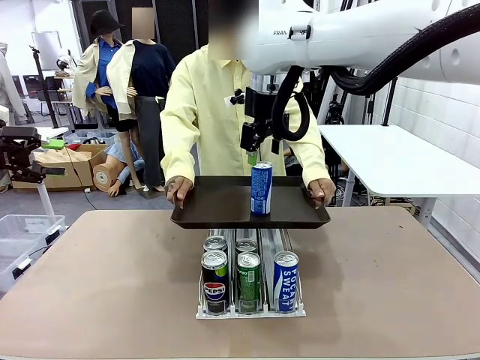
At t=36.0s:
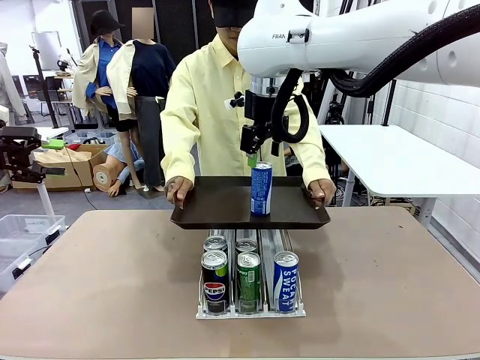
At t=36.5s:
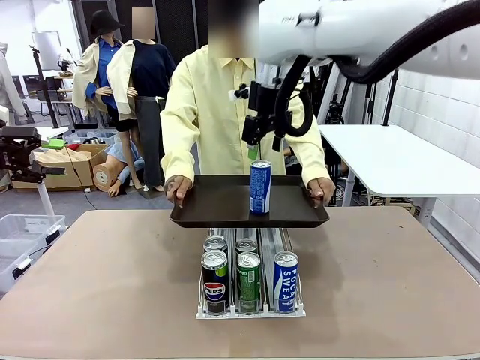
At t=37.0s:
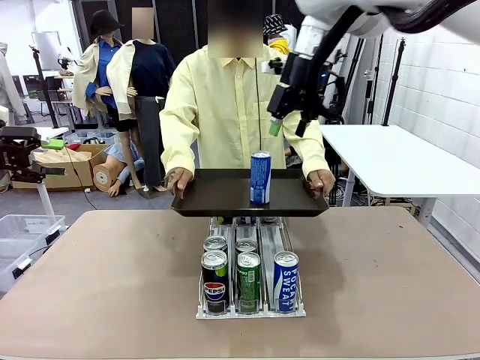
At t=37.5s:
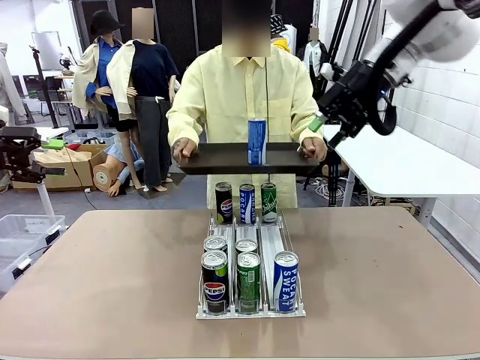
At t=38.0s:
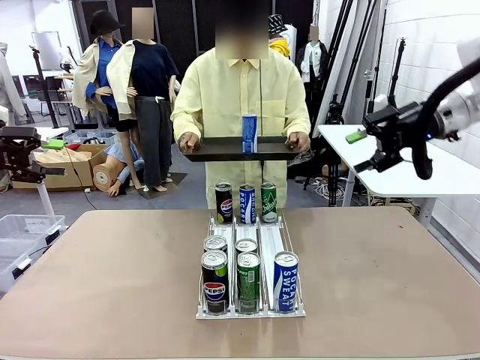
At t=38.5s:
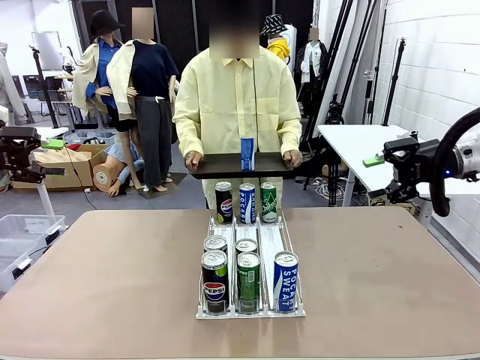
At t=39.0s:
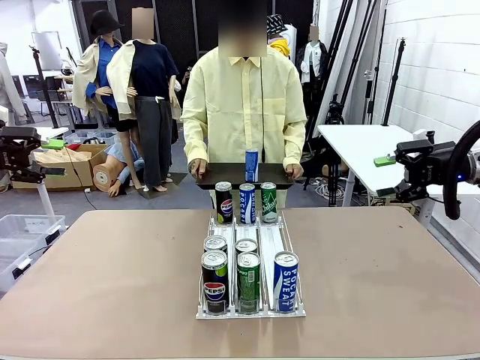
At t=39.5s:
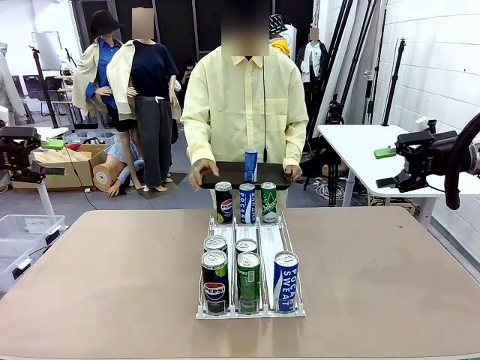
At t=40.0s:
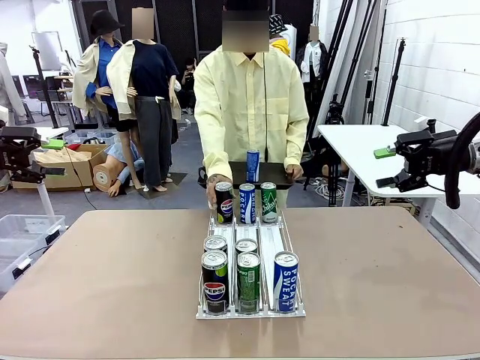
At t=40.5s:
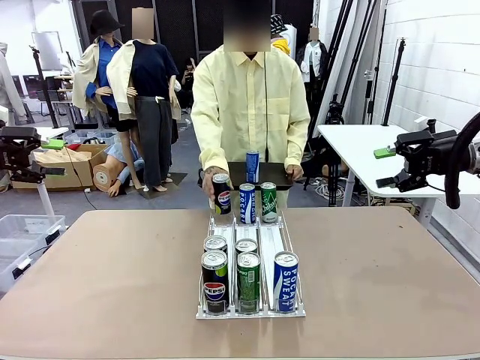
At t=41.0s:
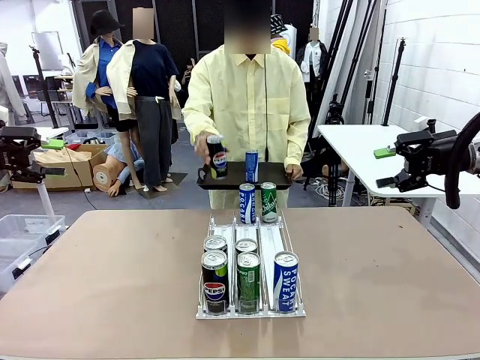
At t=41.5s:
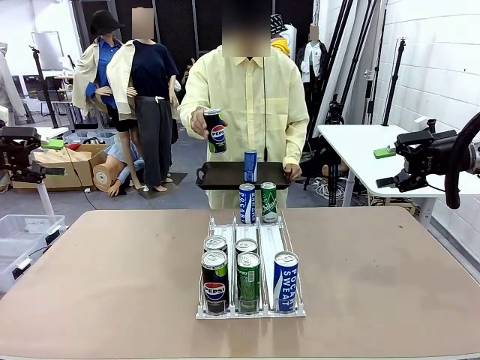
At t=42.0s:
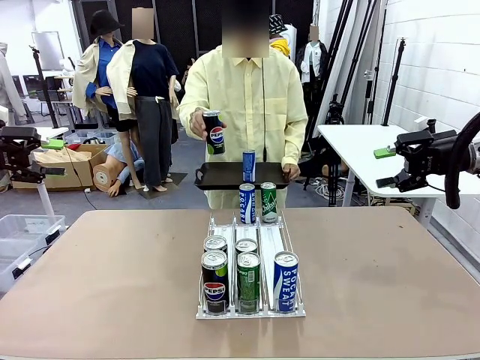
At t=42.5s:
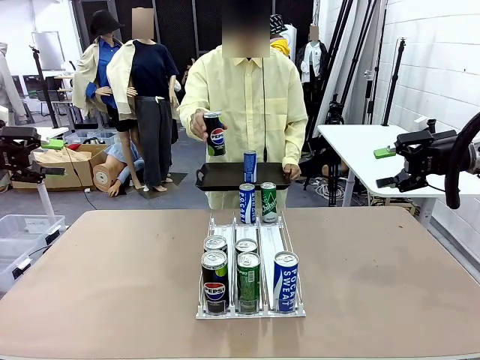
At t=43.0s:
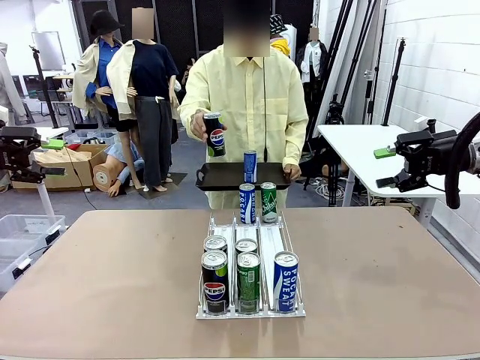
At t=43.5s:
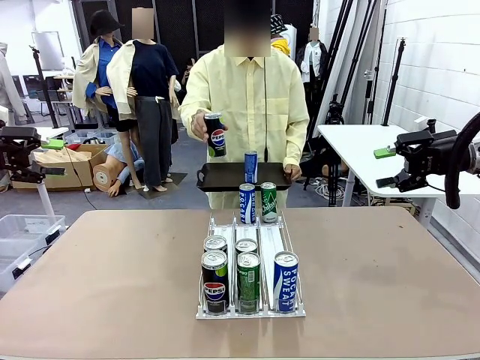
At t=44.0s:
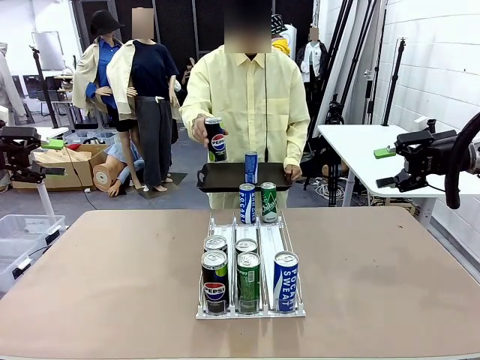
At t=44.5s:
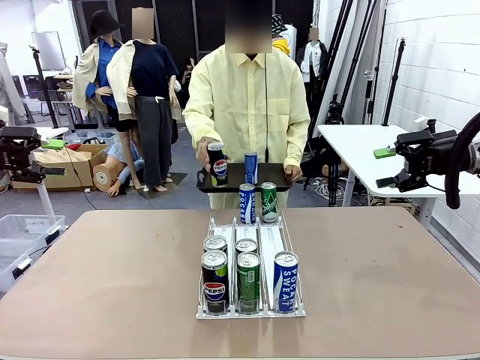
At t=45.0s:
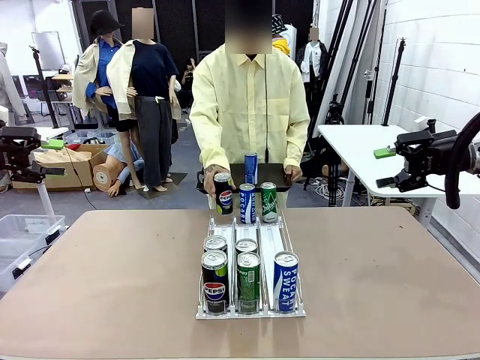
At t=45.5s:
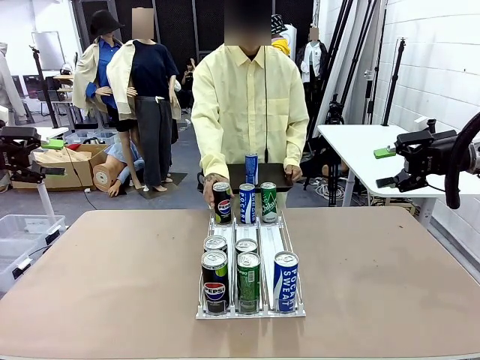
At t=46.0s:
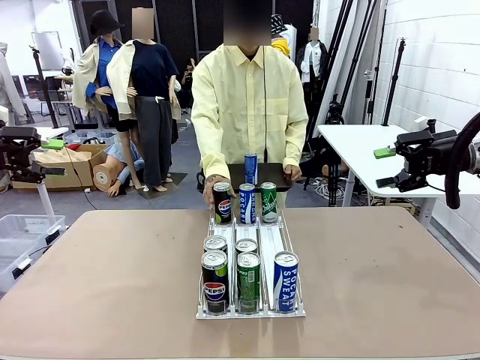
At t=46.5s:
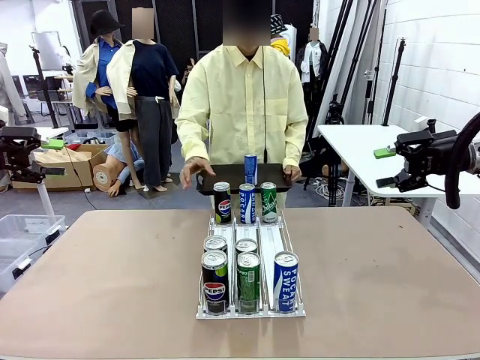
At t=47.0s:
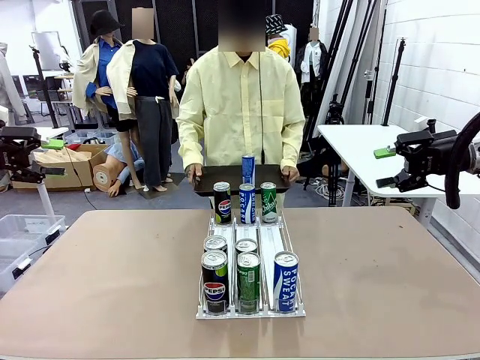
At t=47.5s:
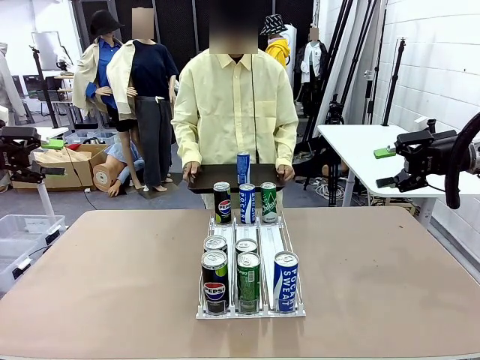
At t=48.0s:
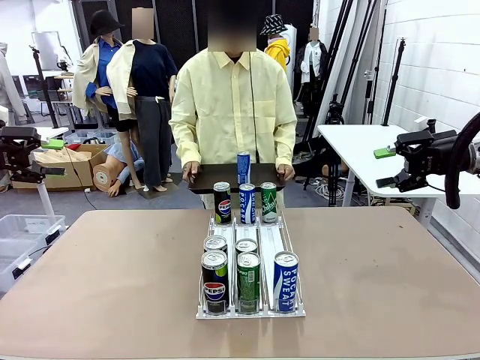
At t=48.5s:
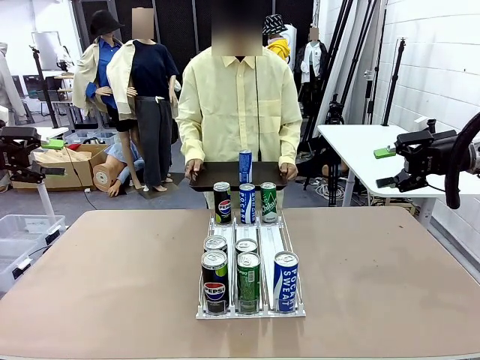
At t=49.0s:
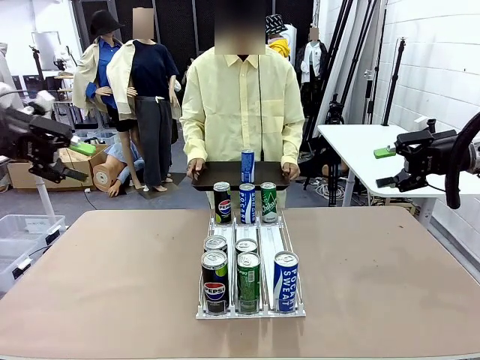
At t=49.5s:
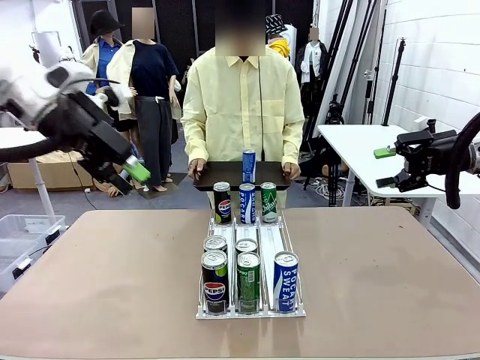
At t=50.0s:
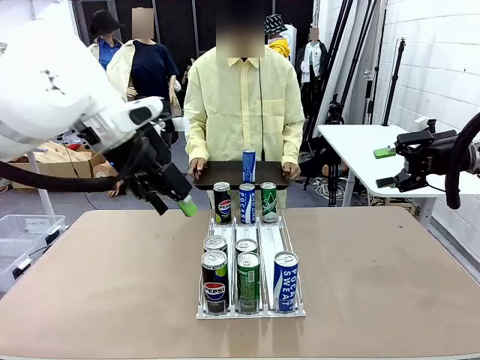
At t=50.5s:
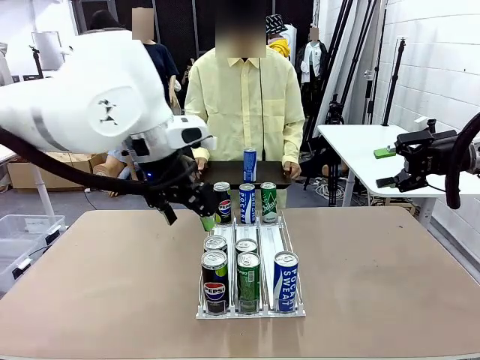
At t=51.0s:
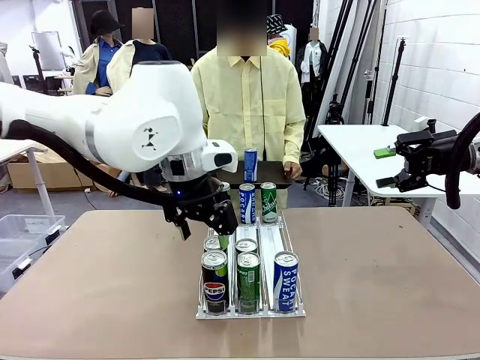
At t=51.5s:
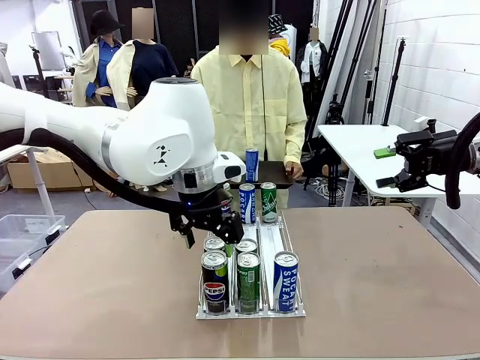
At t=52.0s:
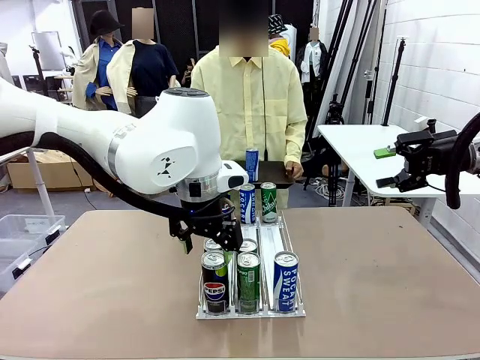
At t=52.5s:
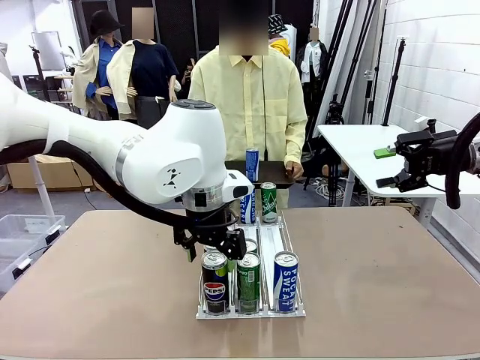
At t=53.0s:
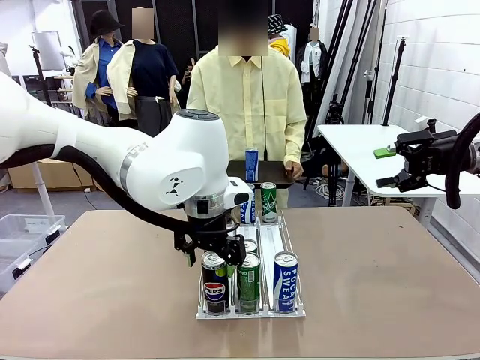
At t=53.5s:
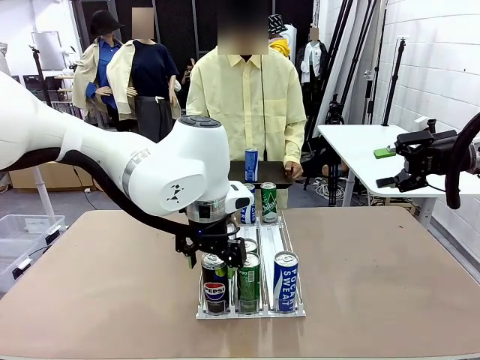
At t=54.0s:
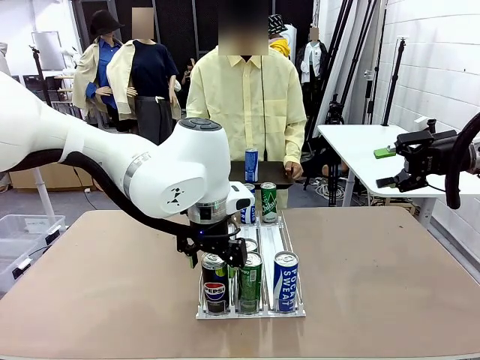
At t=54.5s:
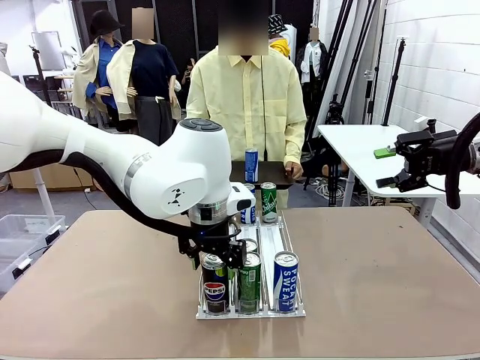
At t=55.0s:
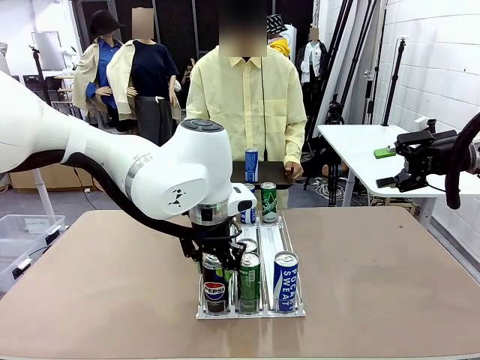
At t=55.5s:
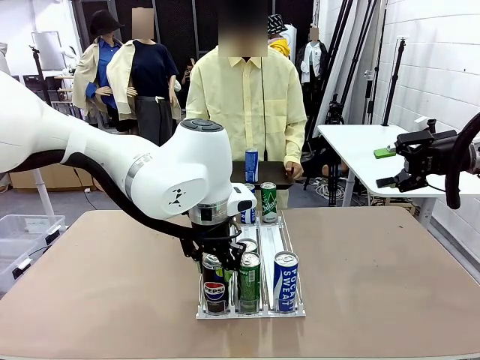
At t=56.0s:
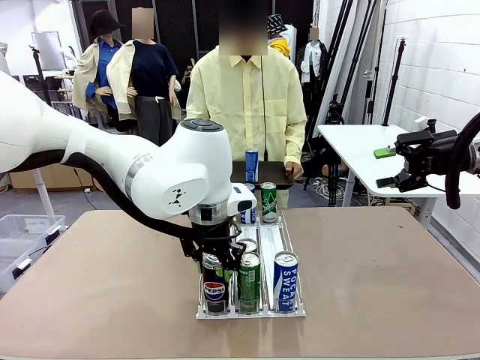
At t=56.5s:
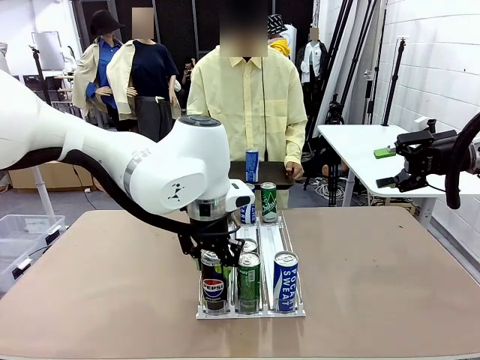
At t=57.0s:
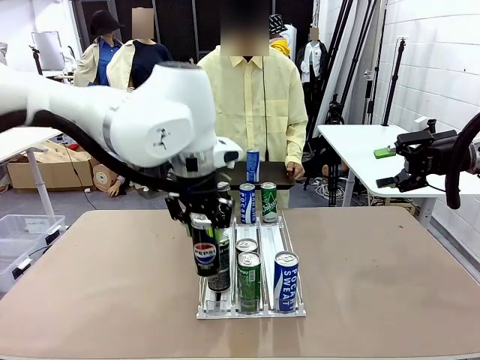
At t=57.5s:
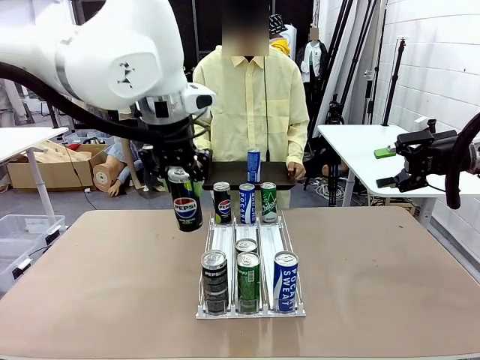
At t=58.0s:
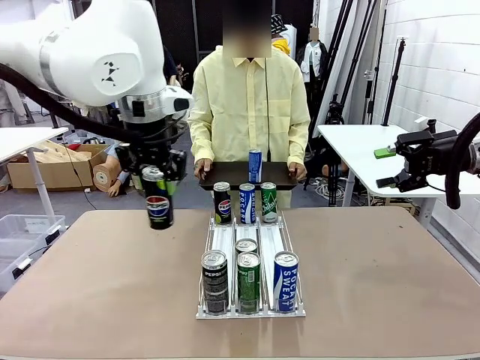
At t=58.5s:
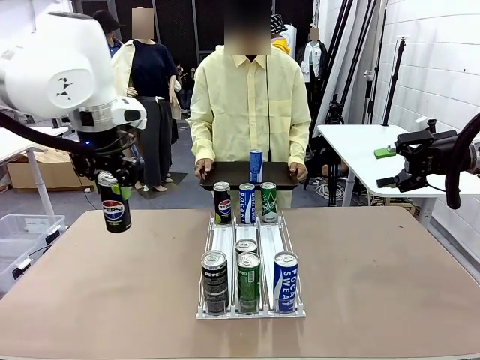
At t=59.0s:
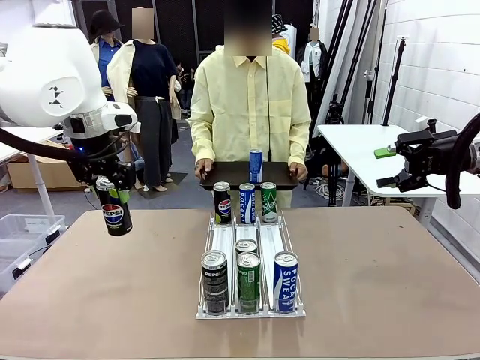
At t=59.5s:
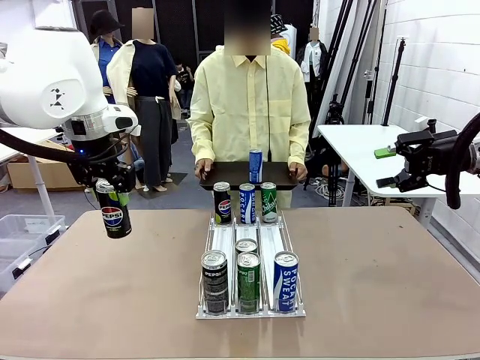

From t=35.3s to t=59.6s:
Task: Retrieve and hand over the desired beverage to the person.
Robot: Pick up another can of the same type that the person held from the Automatic Can Dispenser.
Person: Pull the tray back, then pick up another can from the bottom area of the table and puts it back in its original place. Push the tray toward the robot again.

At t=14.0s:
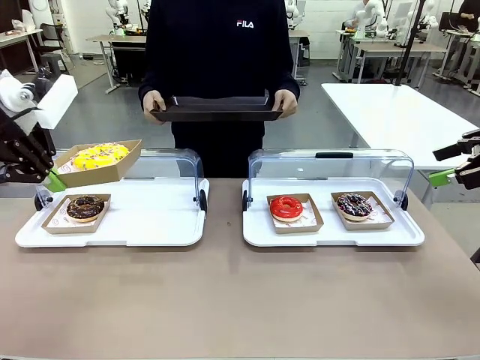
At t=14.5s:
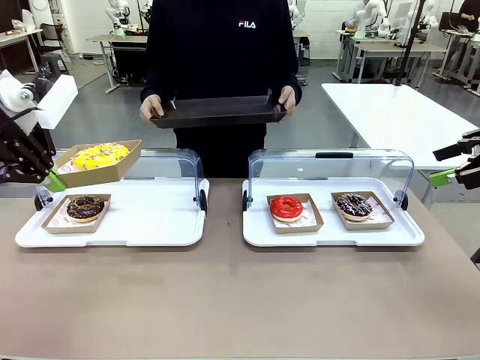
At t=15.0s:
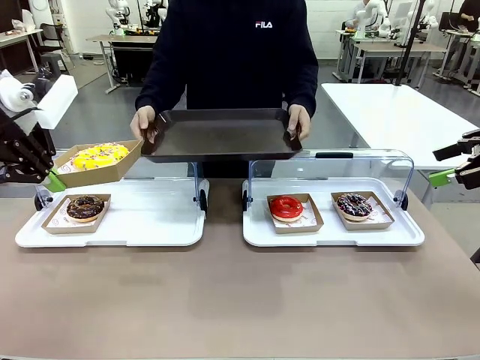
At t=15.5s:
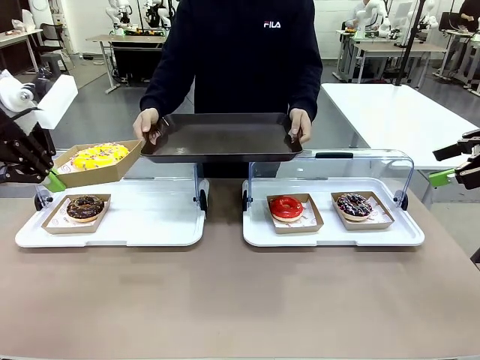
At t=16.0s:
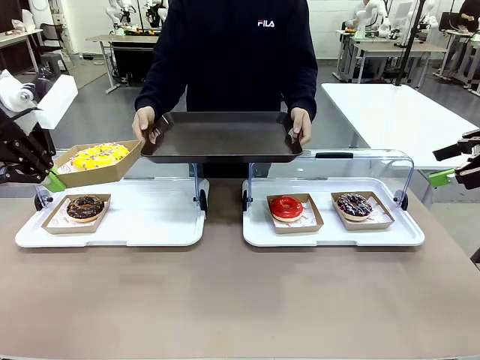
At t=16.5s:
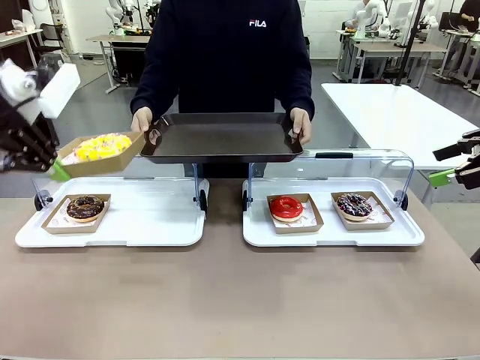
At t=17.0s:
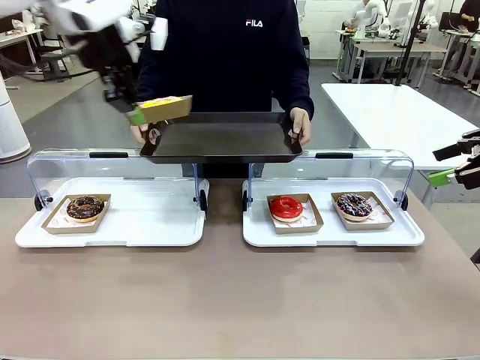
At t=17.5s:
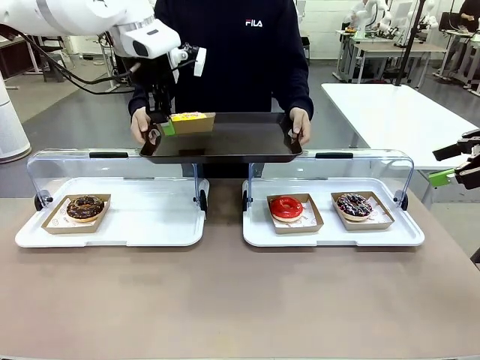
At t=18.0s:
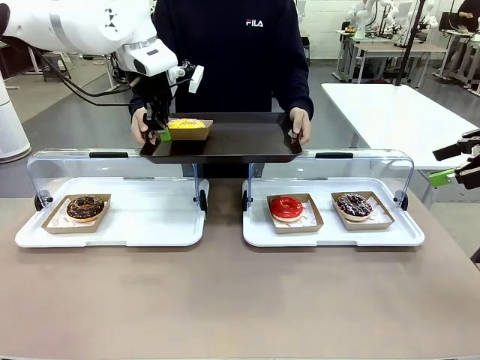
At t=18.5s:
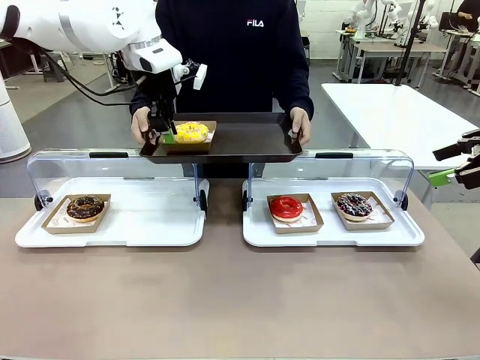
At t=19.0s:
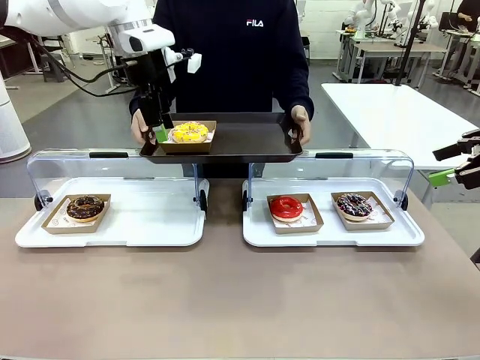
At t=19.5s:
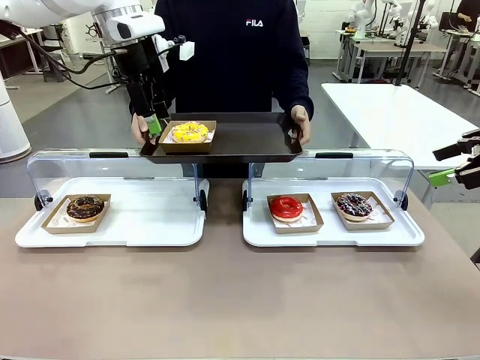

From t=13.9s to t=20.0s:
Task: Provide the desired donut to the person.
Robot: Place the picked Paper togo box onto the Handle tray extended by the person.
